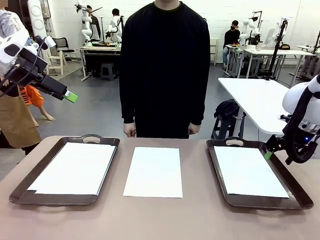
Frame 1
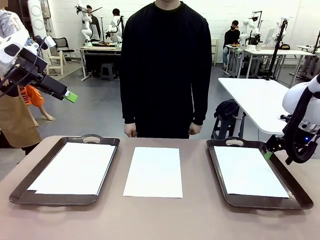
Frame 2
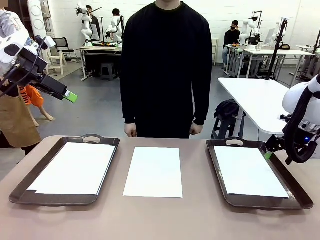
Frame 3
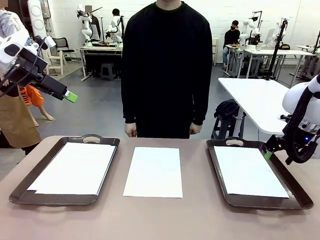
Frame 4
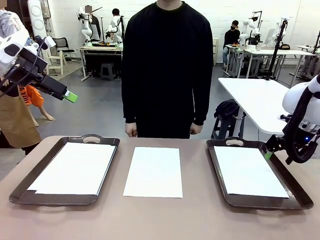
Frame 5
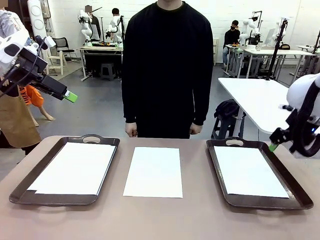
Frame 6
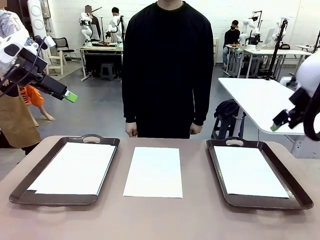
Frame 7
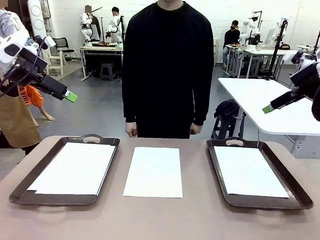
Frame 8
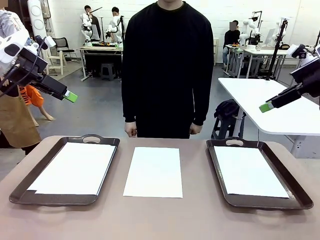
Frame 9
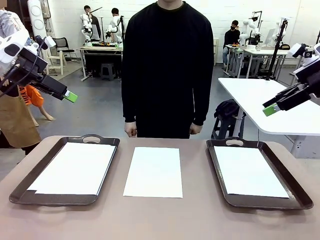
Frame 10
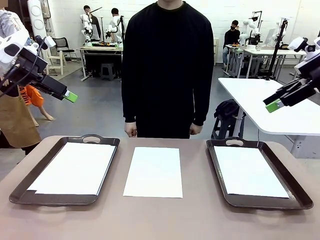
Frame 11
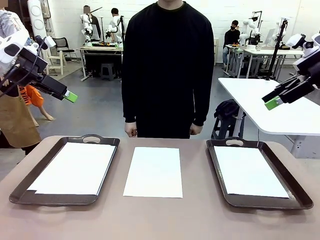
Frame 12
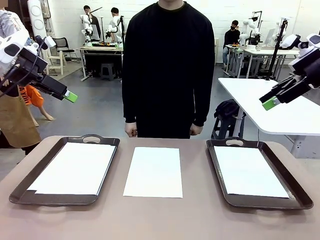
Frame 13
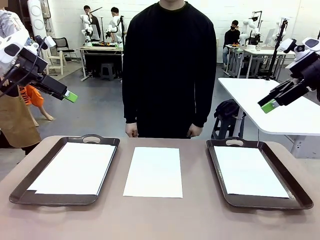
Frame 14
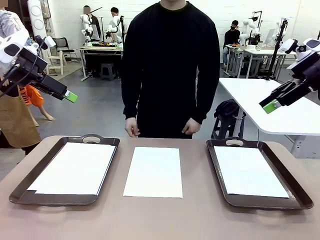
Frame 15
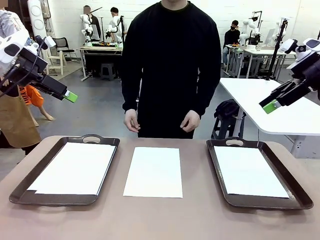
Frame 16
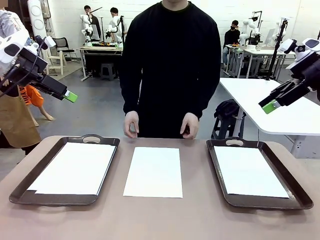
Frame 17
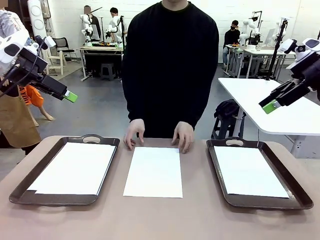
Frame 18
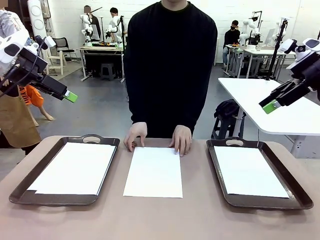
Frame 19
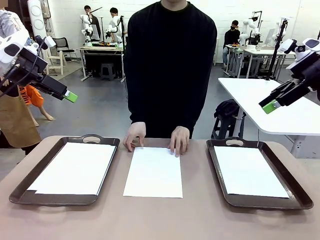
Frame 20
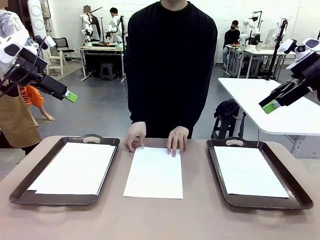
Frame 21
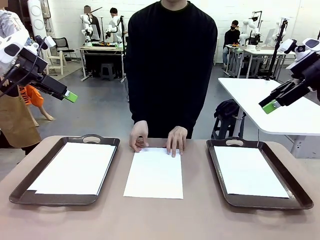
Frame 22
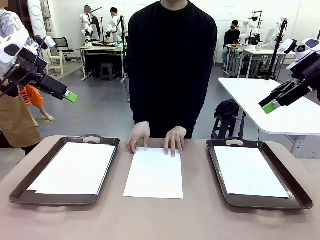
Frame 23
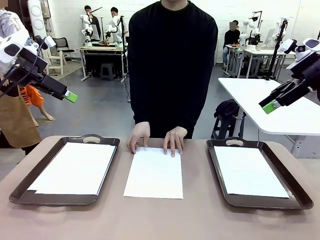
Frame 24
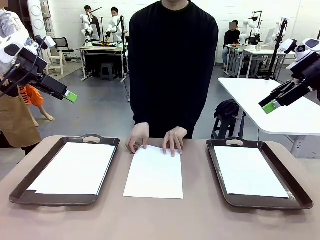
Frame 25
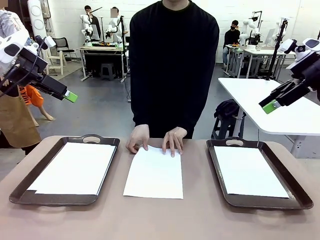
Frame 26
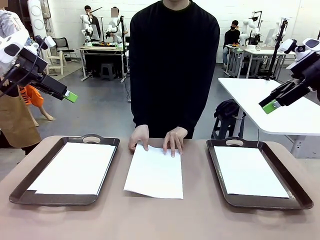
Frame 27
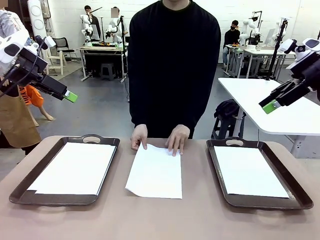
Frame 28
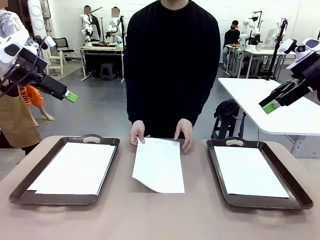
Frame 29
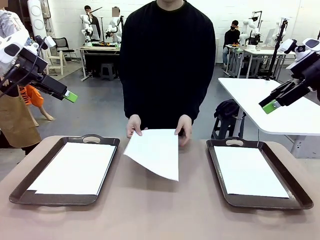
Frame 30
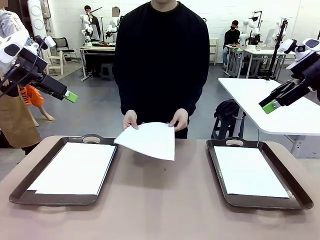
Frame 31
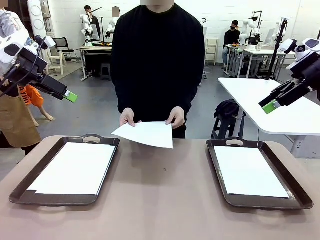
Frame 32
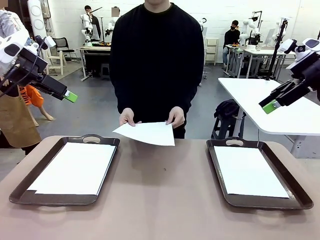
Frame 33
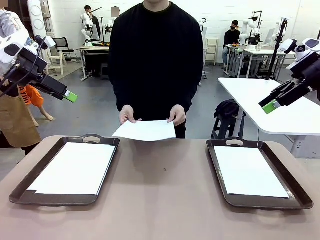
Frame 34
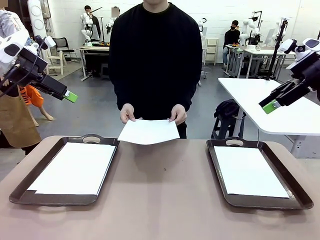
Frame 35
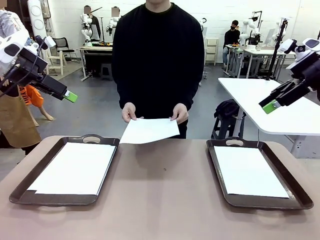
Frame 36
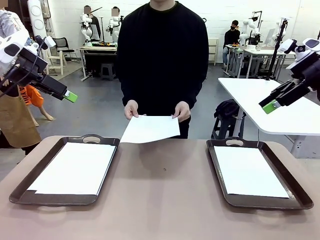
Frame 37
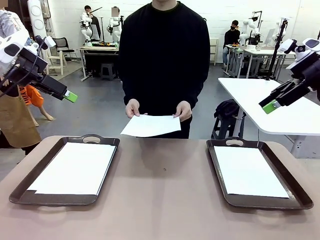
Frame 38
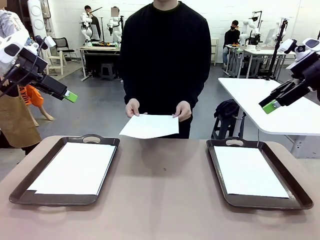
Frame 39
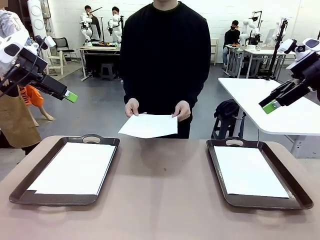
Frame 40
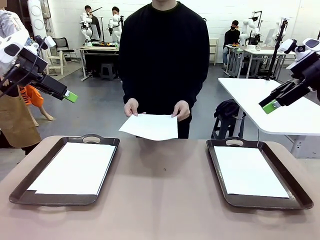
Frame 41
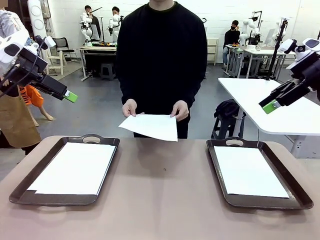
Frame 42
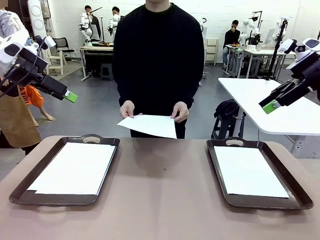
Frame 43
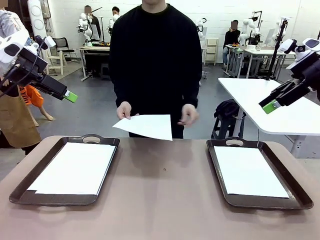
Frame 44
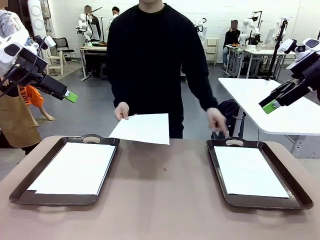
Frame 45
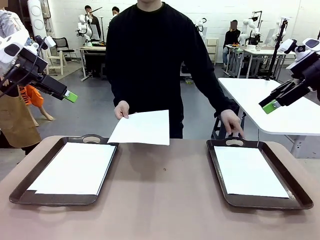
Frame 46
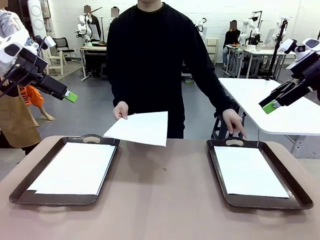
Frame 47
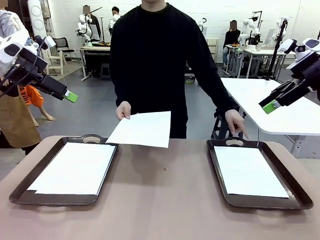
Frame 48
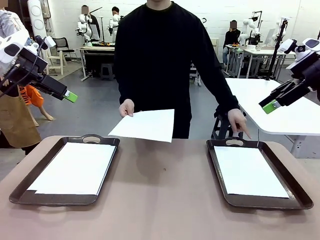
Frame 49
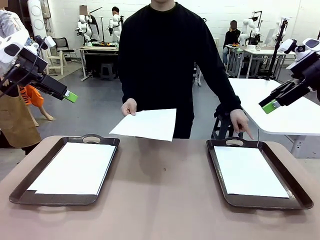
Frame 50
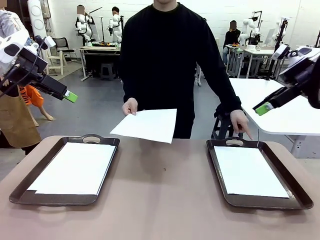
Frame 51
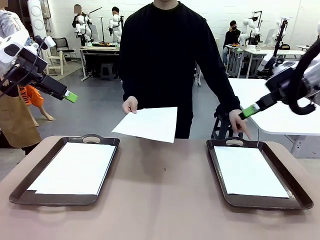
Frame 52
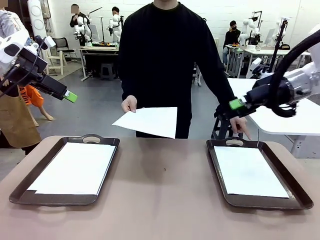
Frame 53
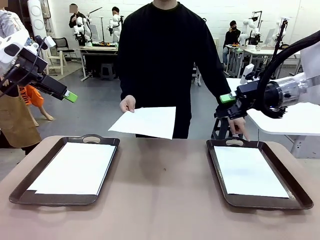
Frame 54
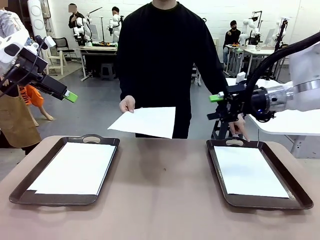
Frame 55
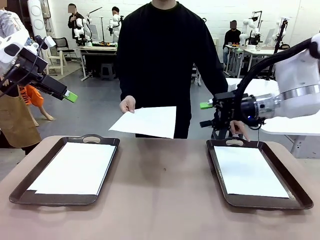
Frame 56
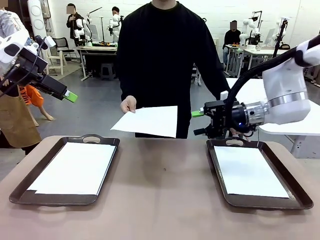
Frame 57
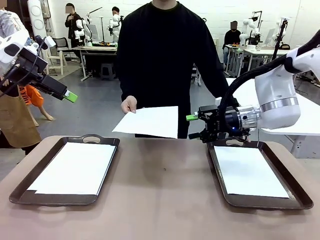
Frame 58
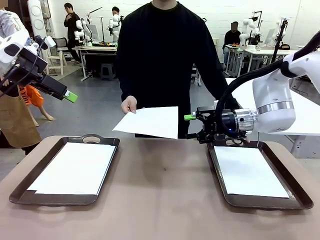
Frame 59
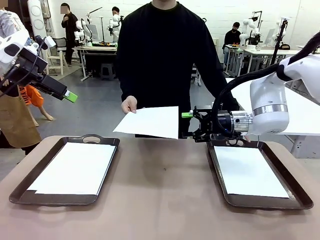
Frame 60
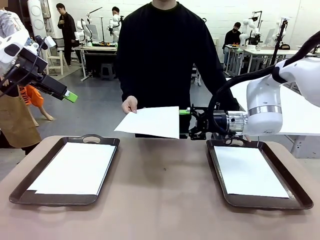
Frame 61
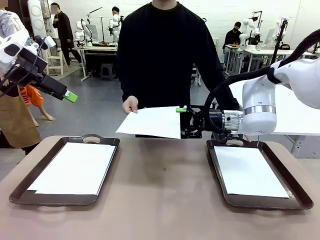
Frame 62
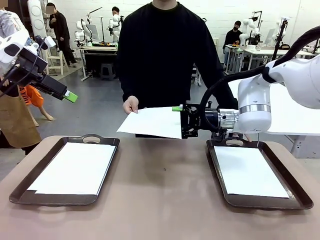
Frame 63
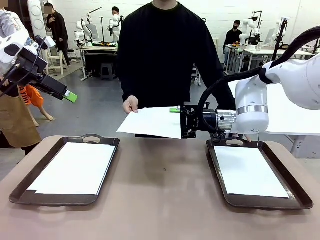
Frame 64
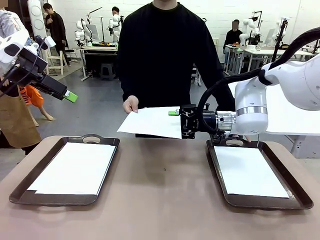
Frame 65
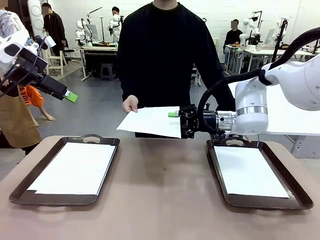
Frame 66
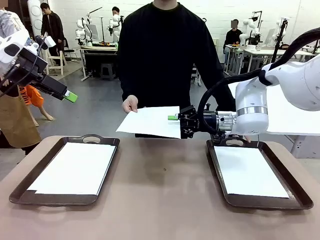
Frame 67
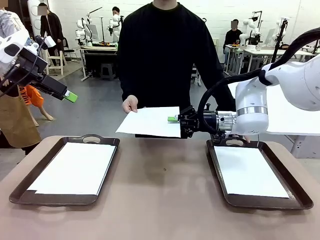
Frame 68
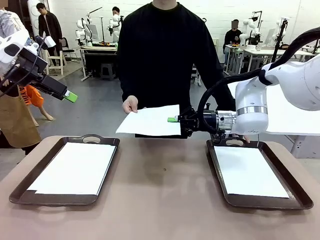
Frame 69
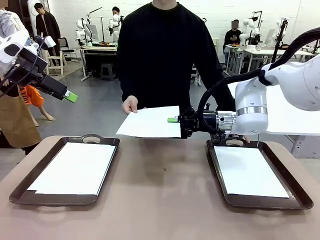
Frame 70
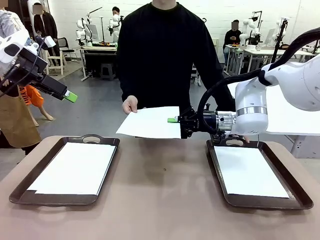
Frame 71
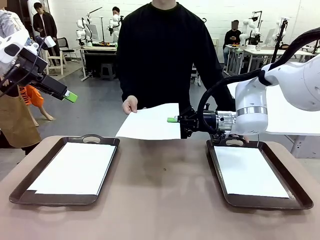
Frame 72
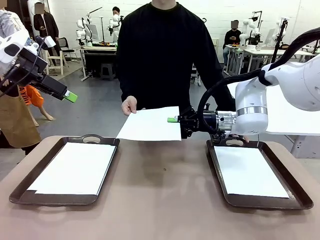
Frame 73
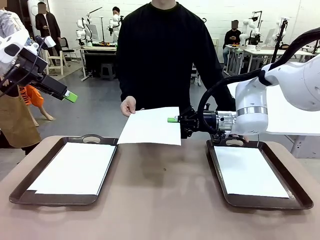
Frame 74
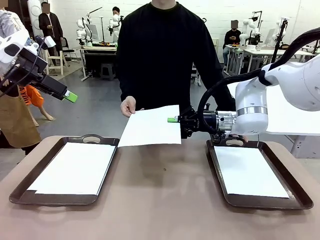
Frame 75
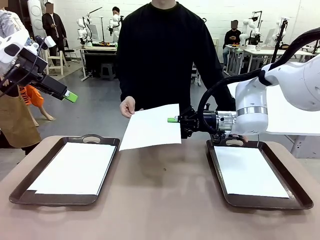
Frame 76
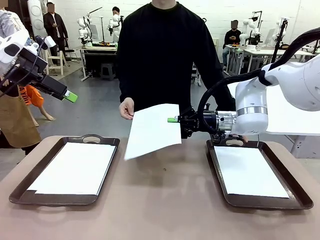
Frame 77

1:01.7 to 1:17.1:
Task: Sort the A4 documents.
Robot: Receive the A4 Paper.
Person: Point the randomly selected tray with the other hand.

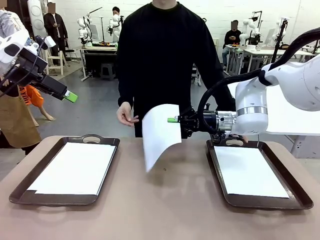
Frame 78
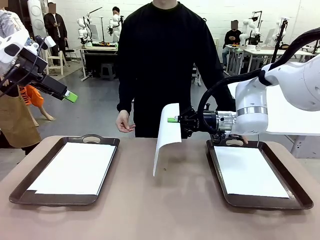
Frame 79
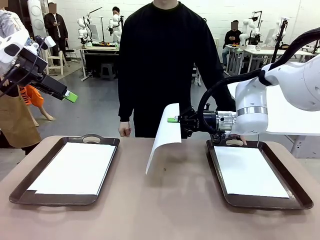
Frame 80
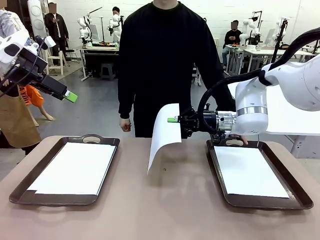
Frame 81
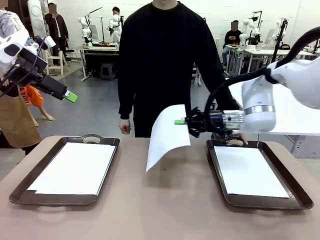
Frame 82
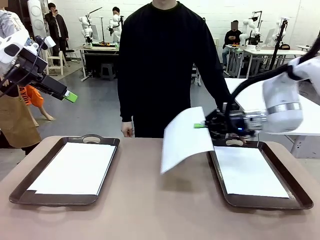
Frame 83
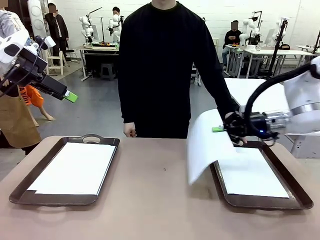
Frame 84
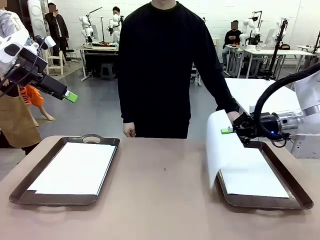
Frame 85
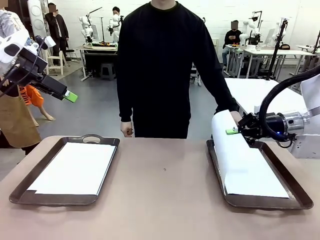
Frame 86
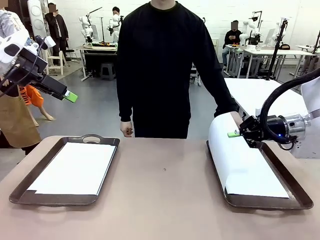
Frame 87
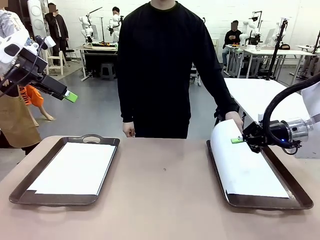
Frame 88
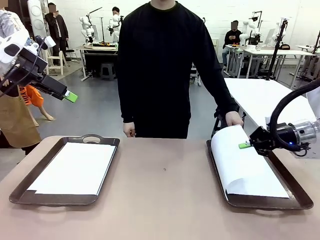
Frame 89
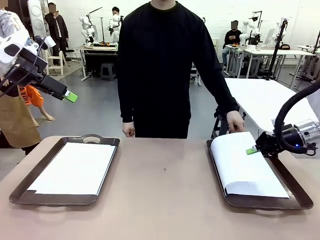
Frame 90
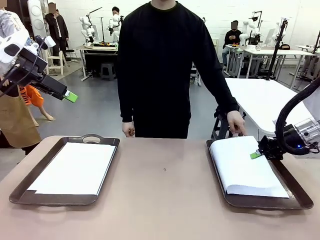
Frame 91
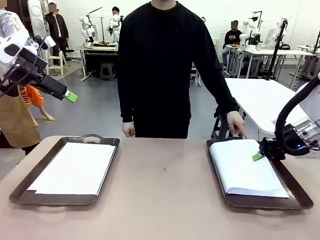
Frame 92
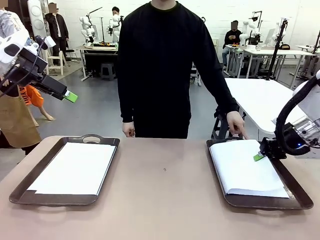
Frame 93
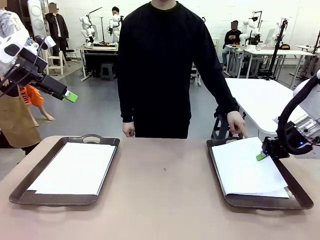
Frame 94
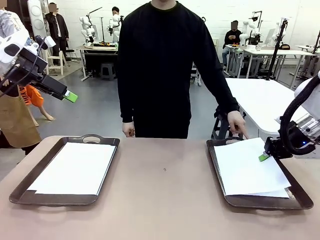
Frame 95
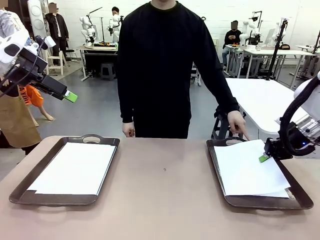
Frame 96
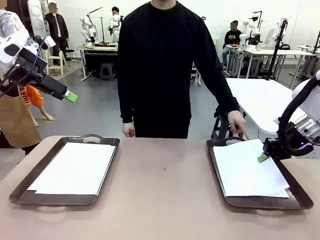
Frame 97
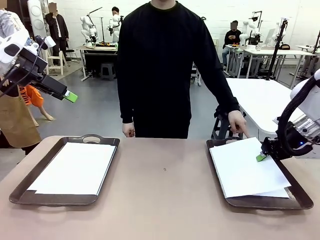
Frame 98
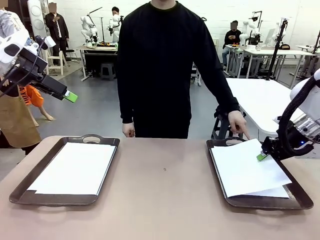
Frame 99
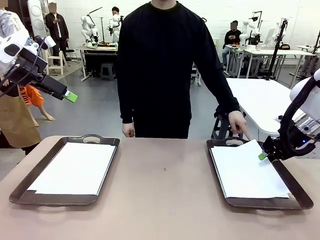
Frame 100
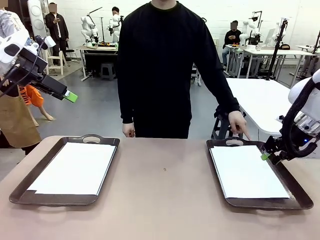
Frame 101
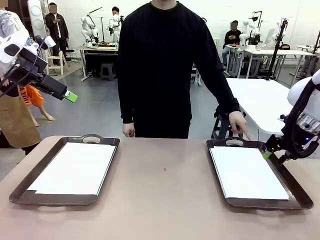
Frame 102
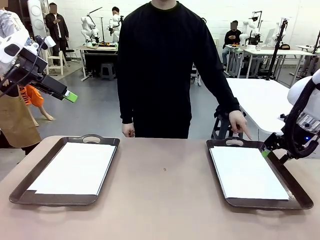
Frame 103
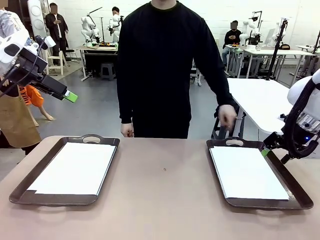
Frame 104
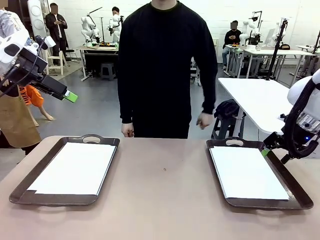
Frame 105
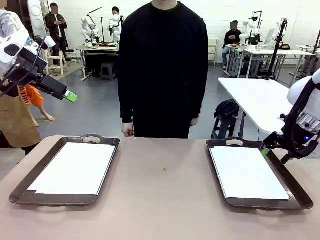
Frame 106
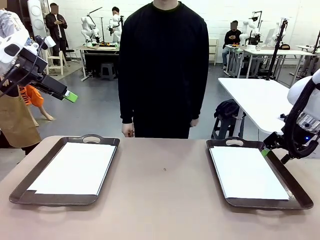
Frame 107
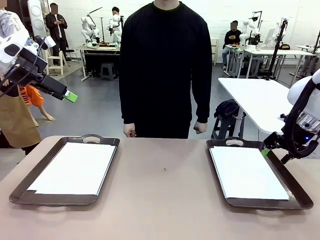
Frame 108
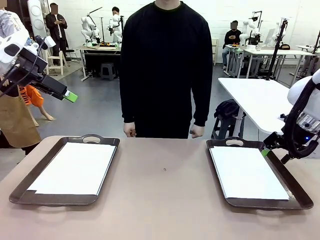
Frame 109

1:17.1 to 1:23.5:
Robot: Place the A4 Paper in the designated Handle tray.
